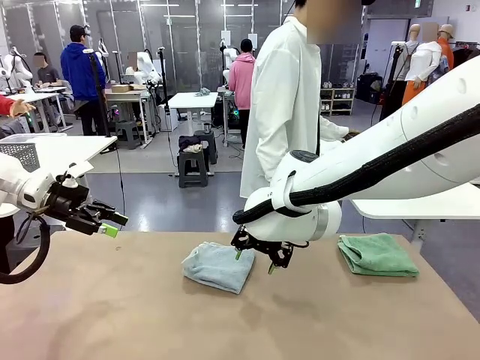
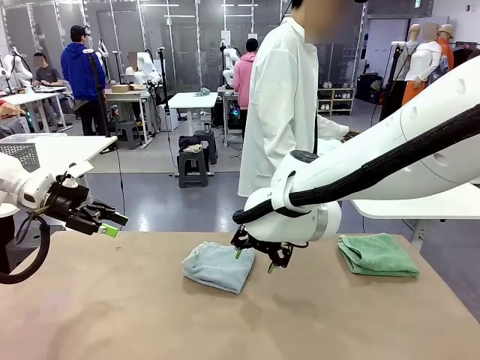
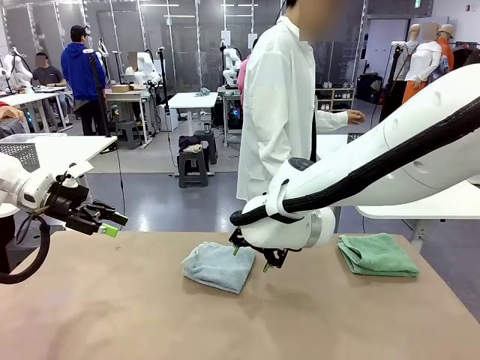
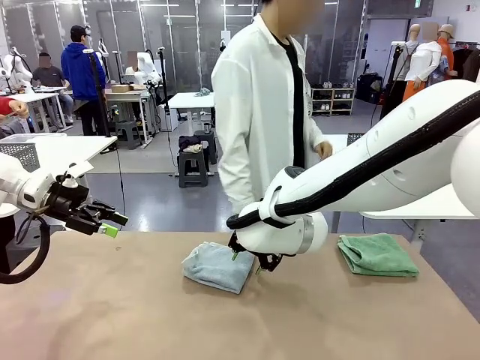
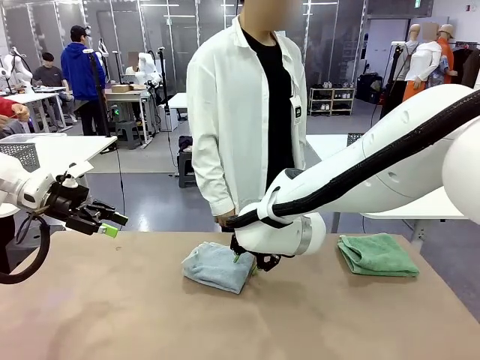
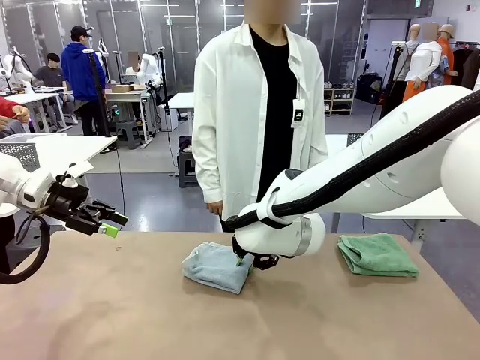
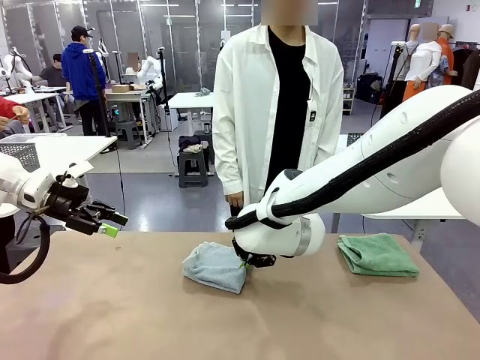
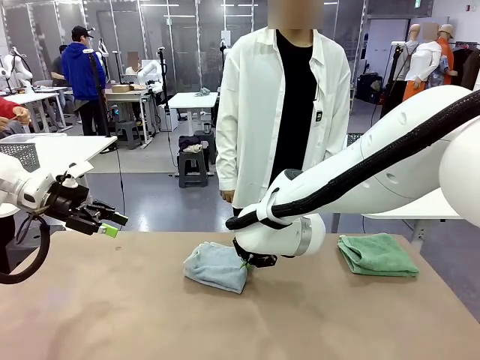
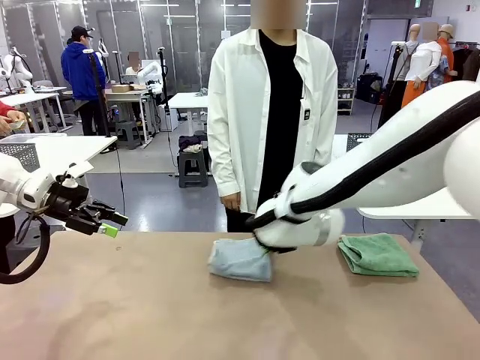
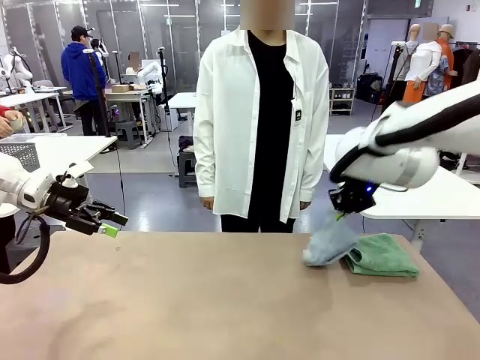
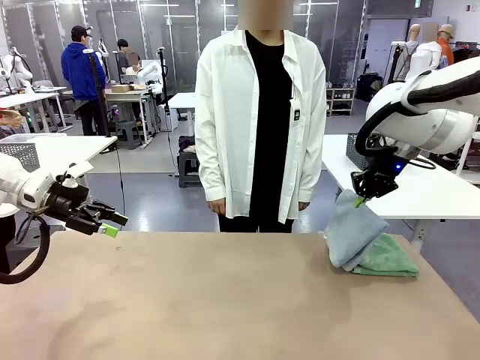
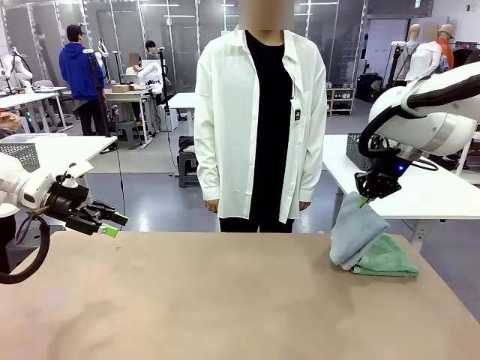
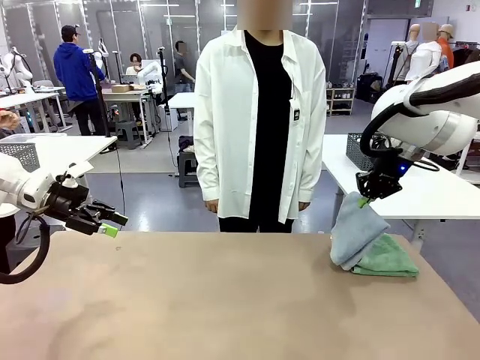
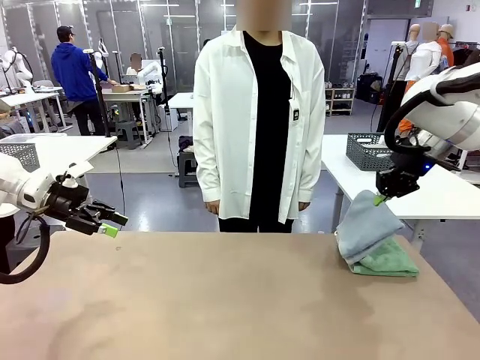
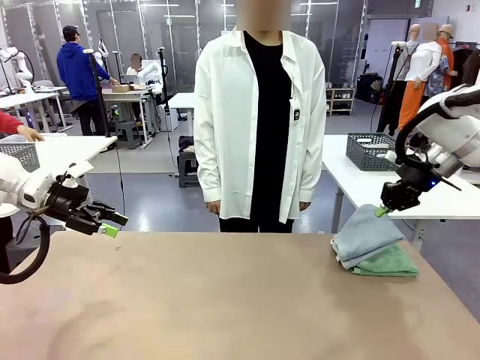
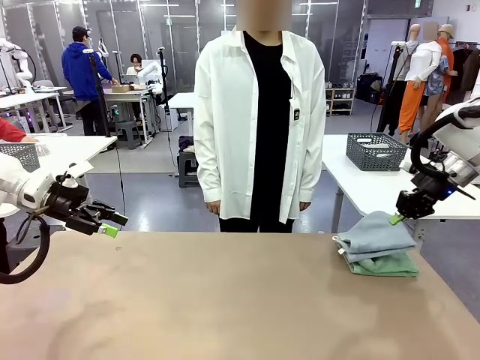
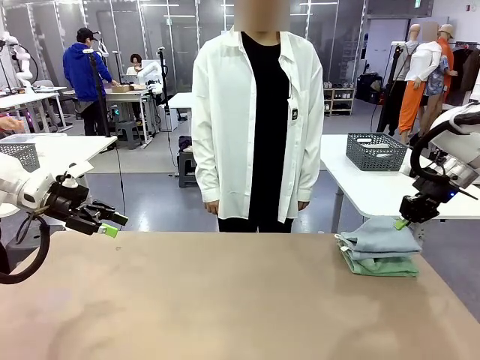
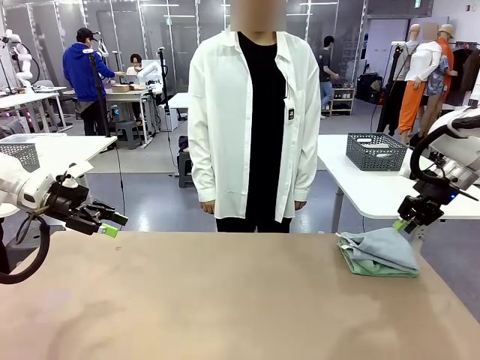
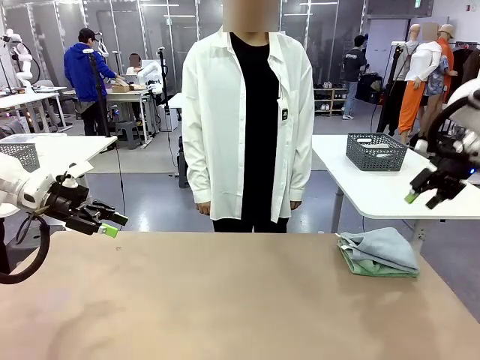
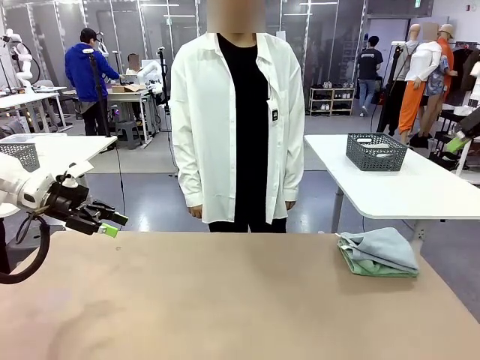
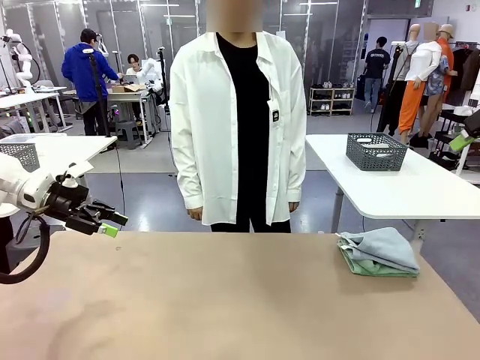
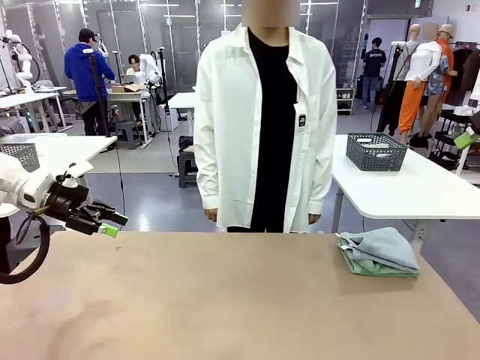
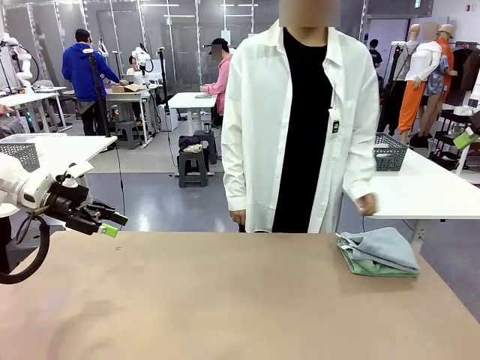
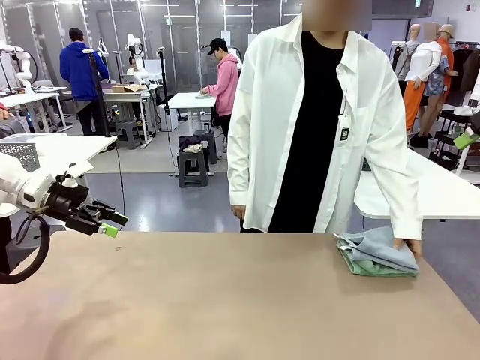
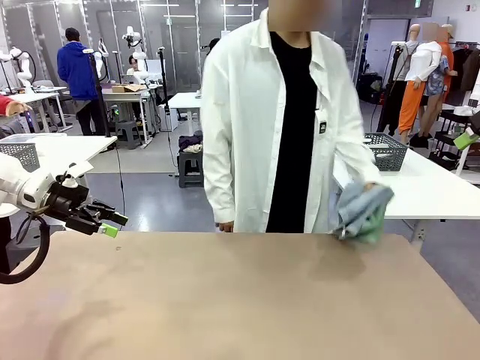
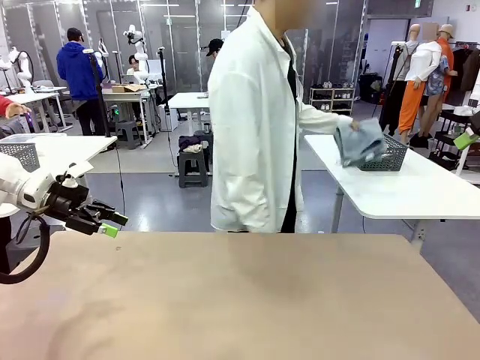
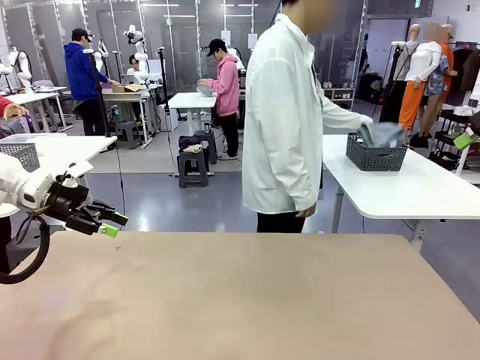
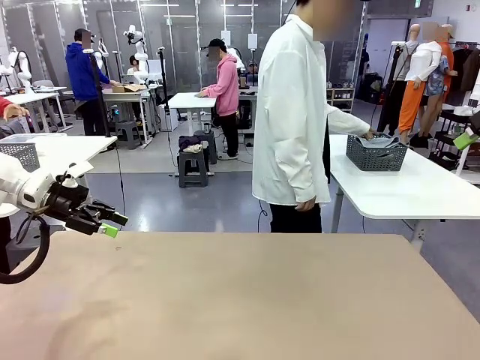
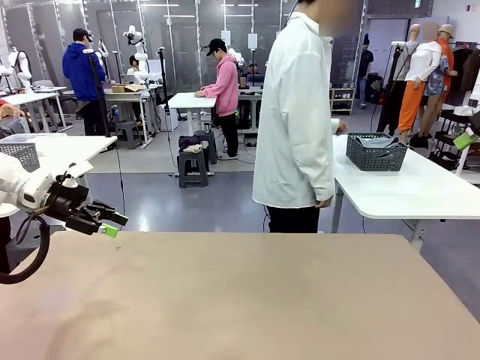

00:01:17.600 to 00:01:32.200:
Task: Fold the towels and place them in the basket.
Robot: Stack the folded Towel with hook on the right side of the table.
Person: Pick up the stack of towels from the robot table and place it into the basket.

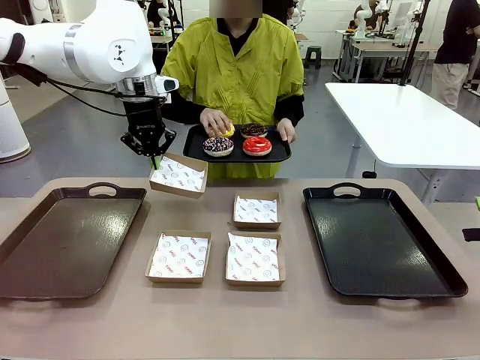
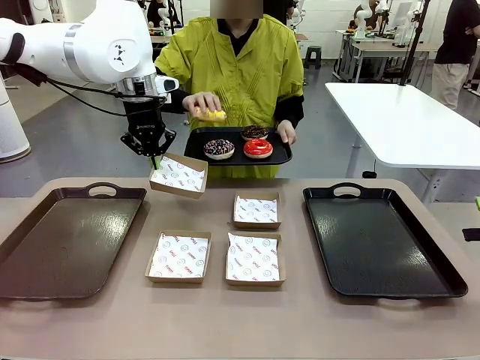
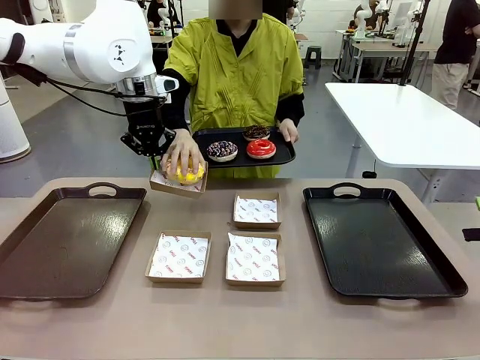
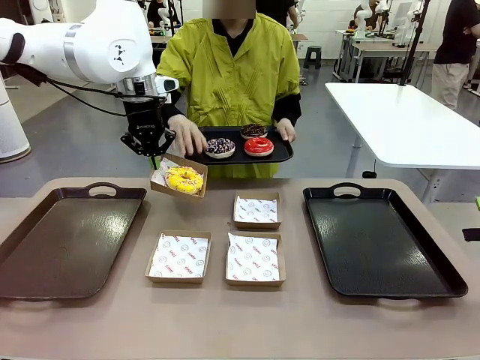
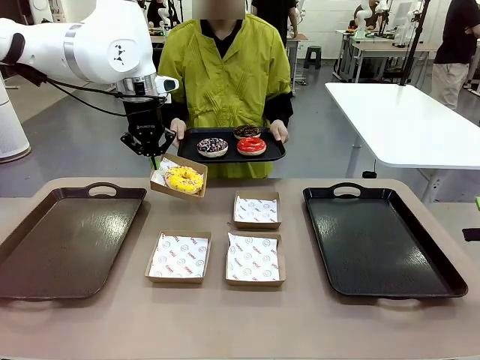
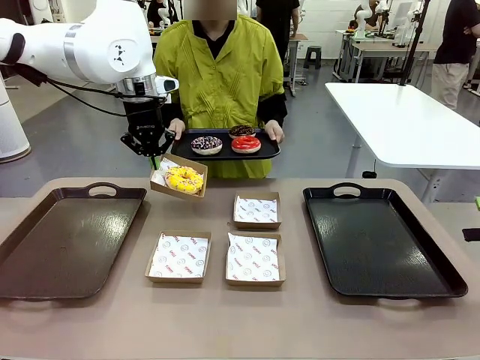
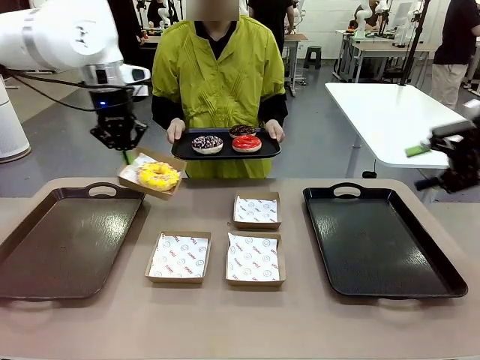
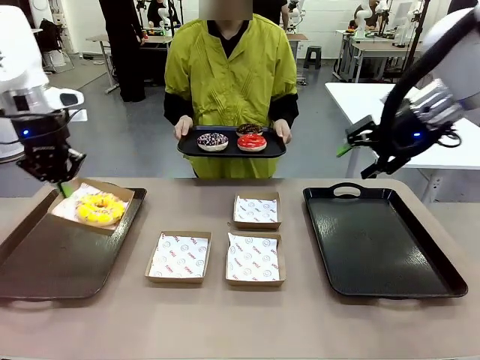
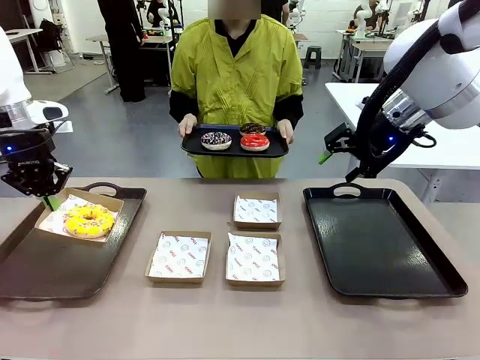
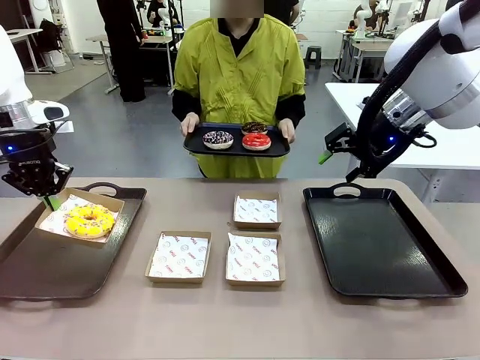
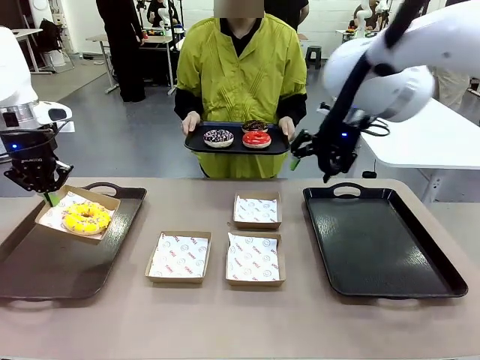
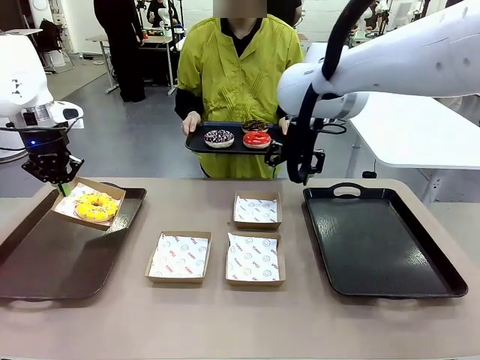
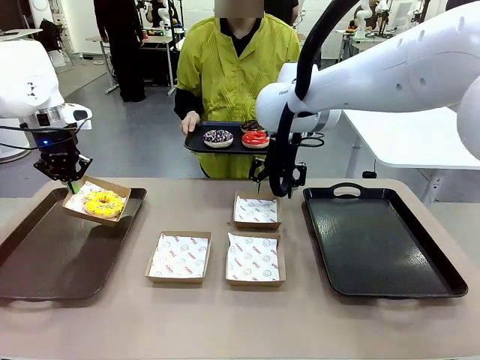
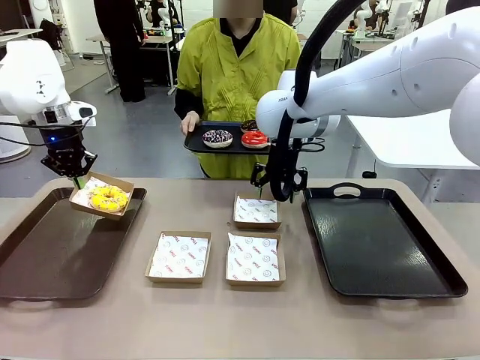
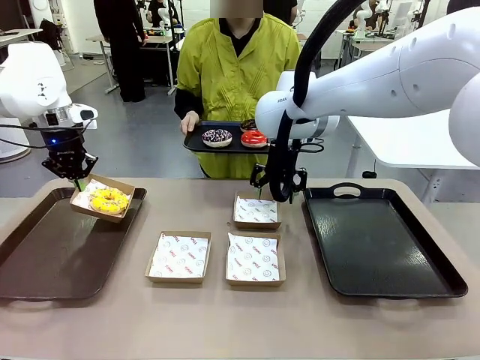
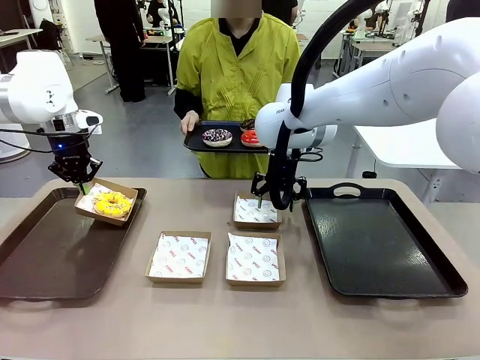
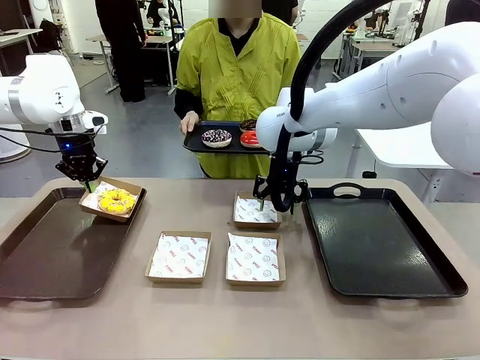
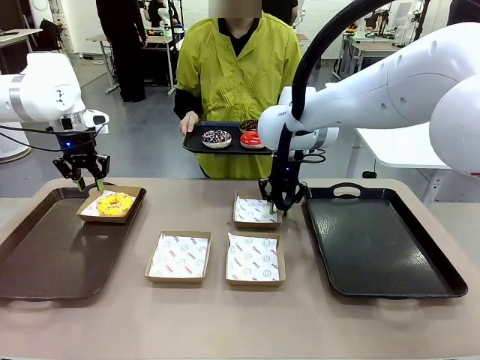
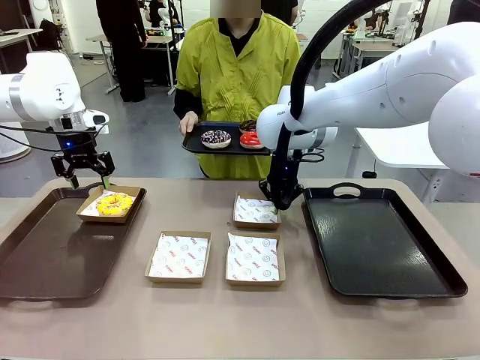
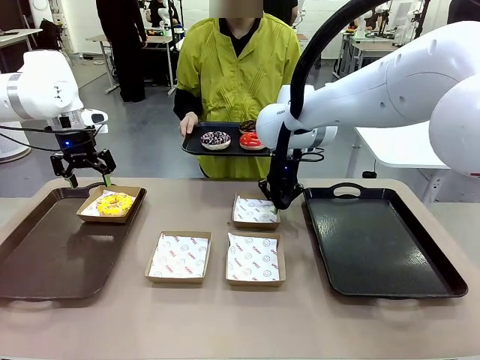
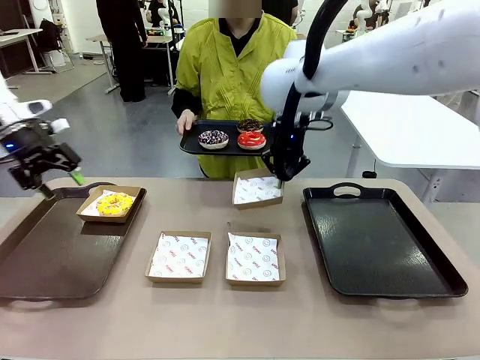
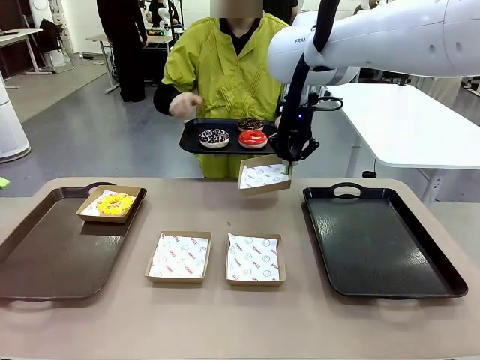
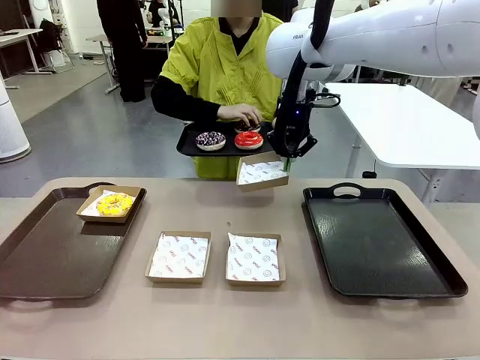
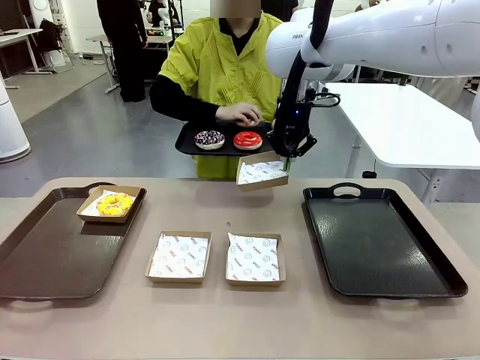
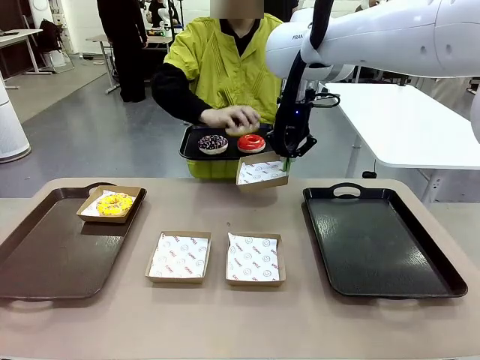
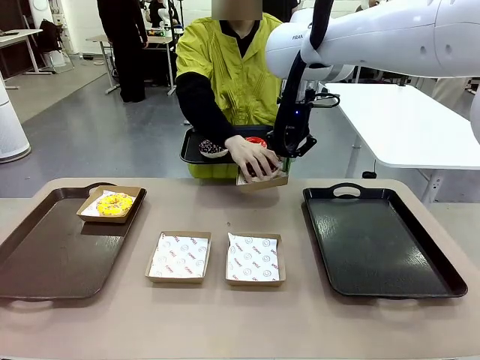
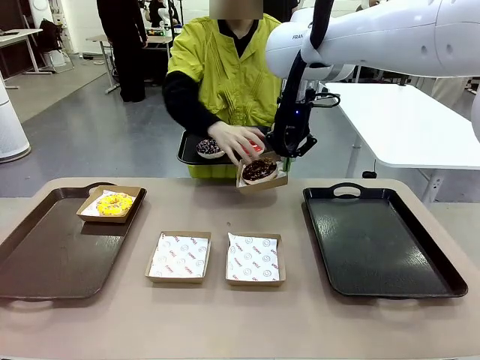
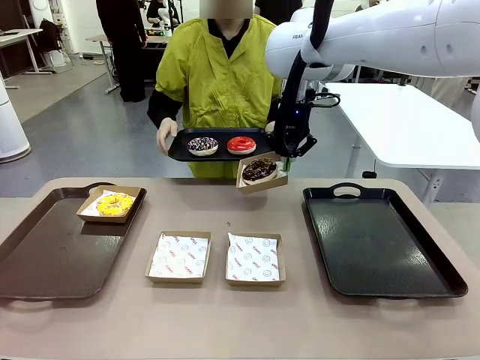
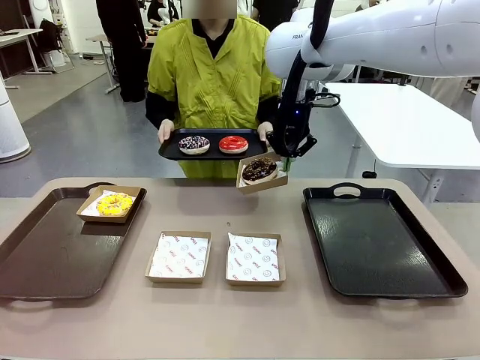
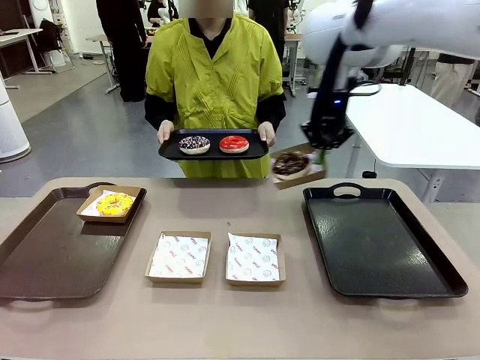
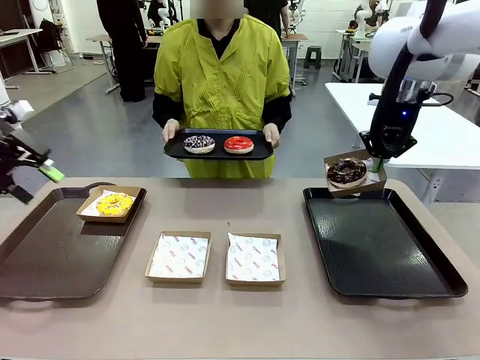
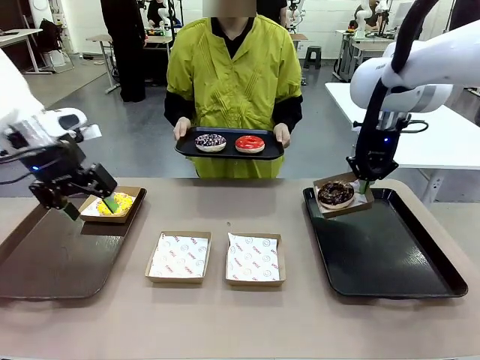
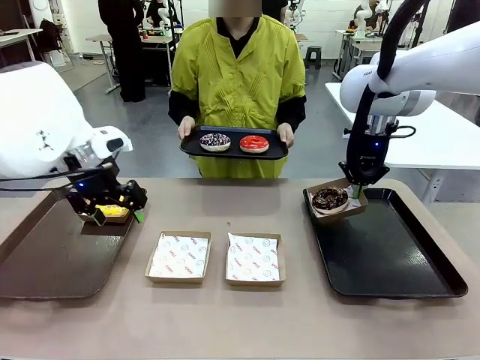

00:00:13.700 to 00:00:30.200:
Task: Individually package the donuts and arrange them on the tray.
Robot: Place the picked Paper togo box on the Handle tray while simultaneously picking up another Paper togo box from the table with the other hand.
